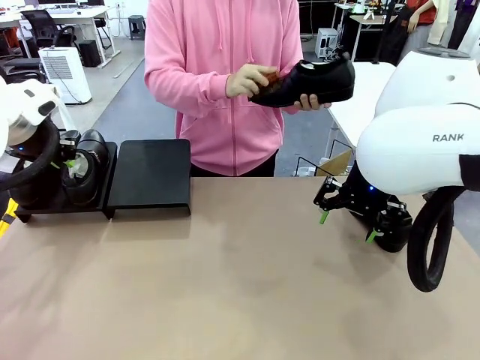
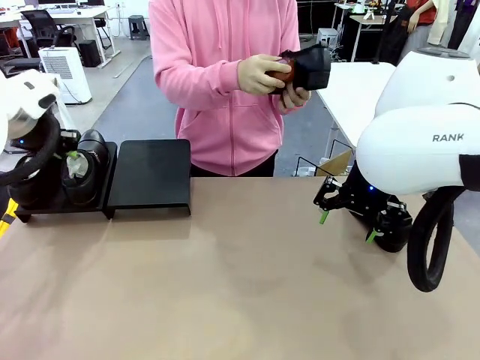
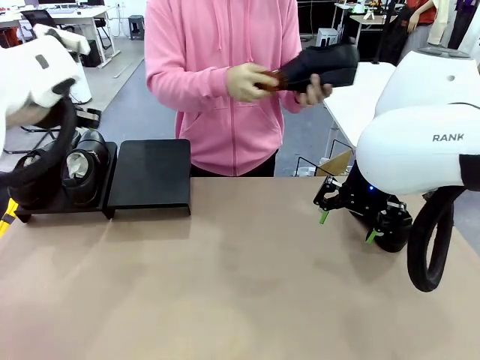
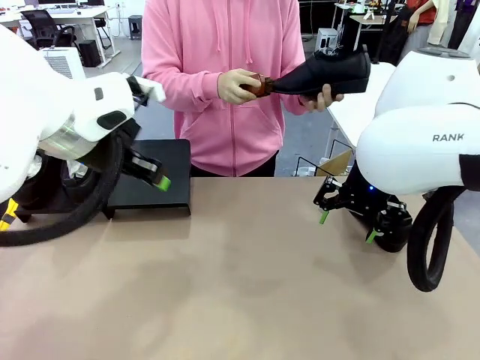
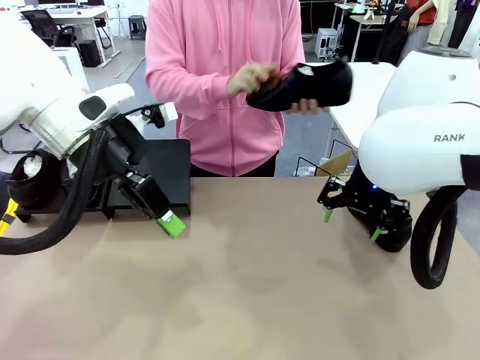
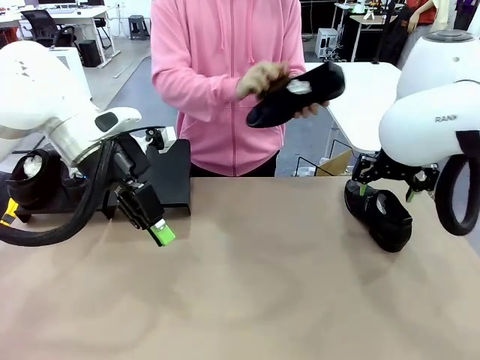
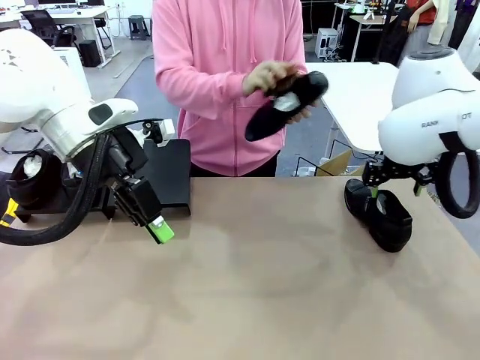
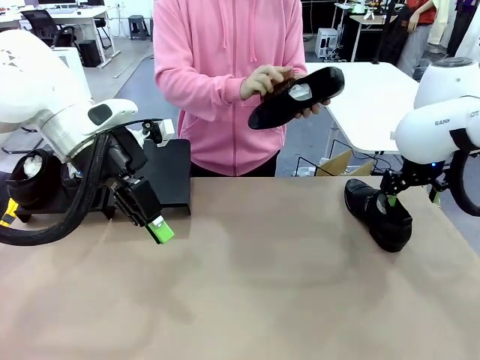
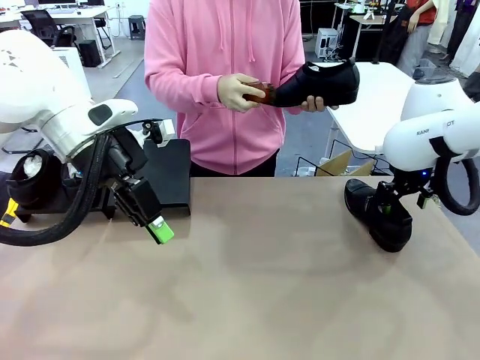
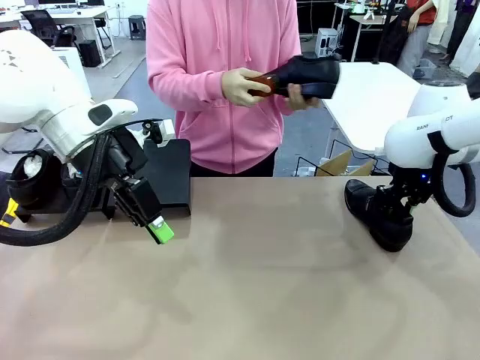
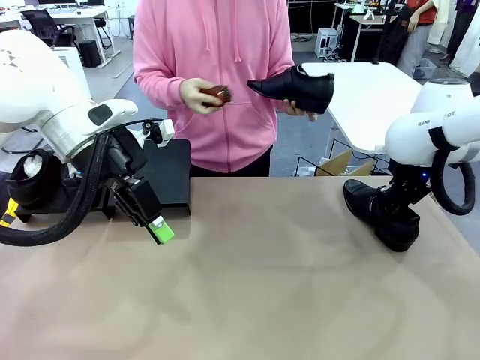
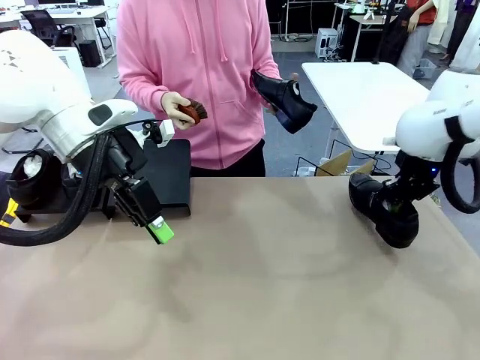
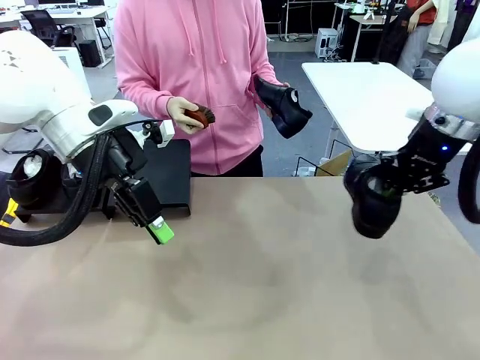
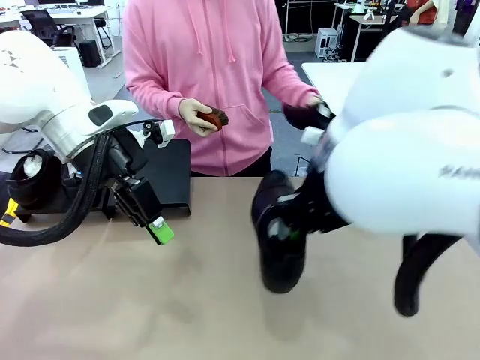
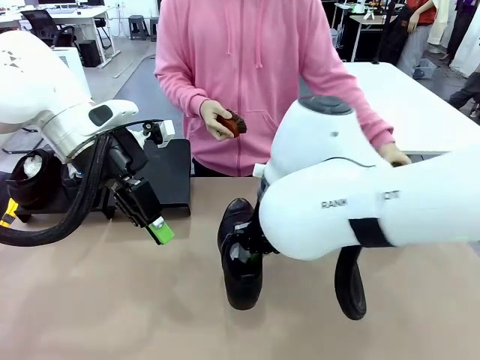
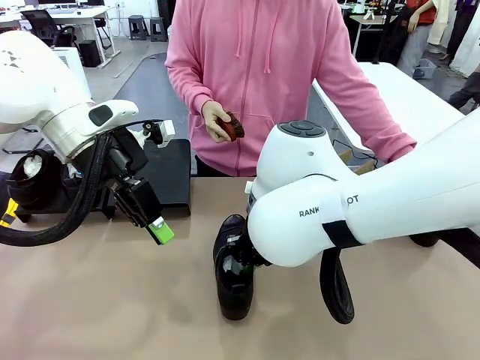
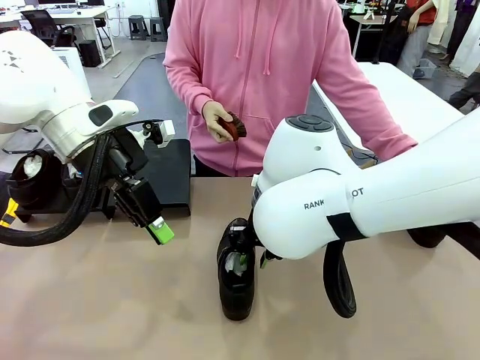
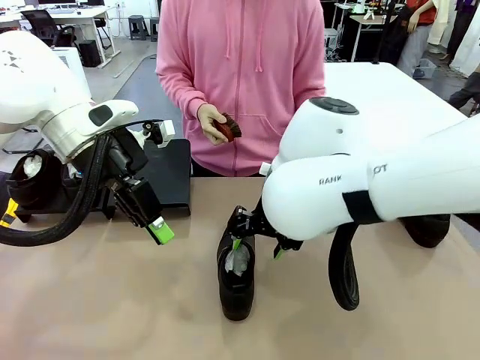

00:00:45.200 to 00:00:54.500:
Task: Organize the shoes by placing them on the stand.
Robot: Pick up one Shoe and place it in the middle of the table.

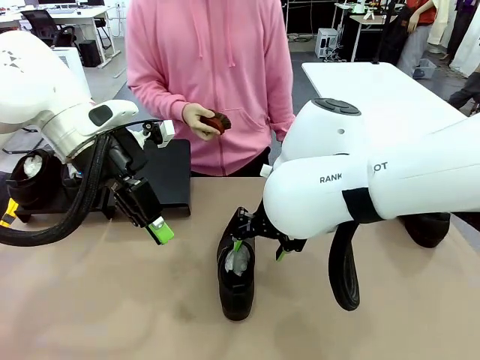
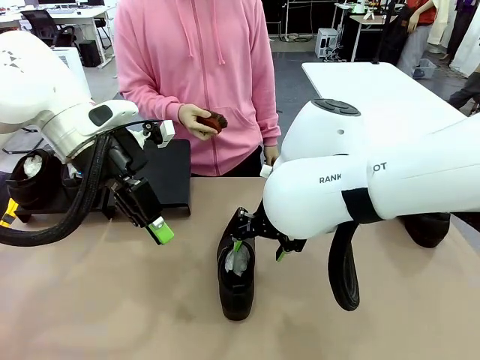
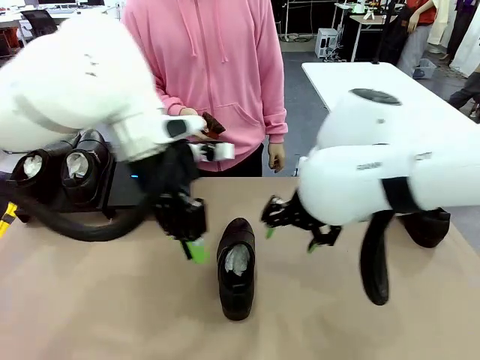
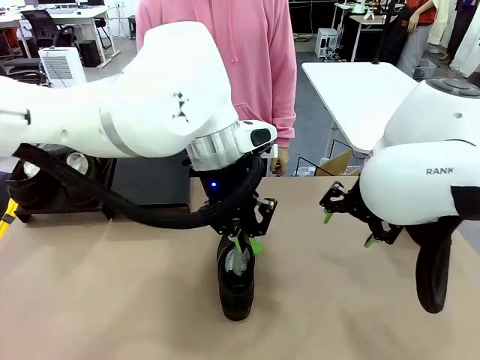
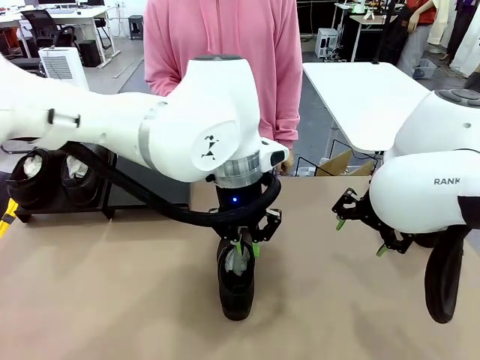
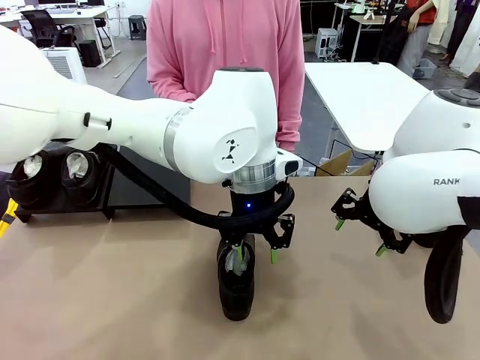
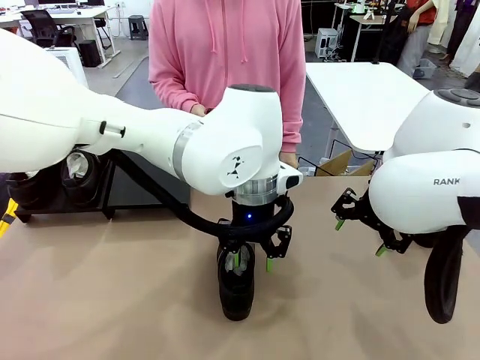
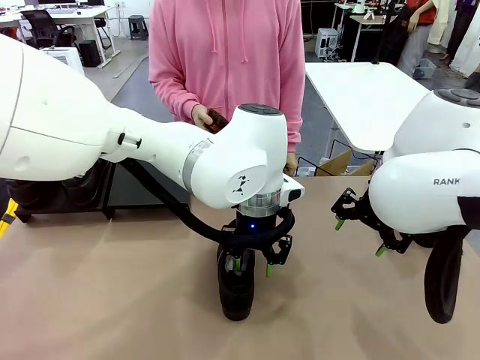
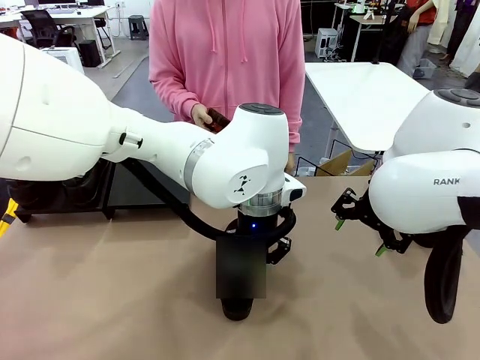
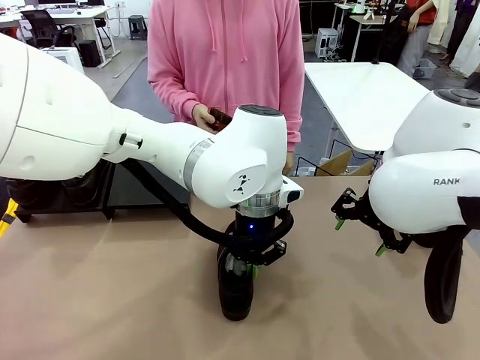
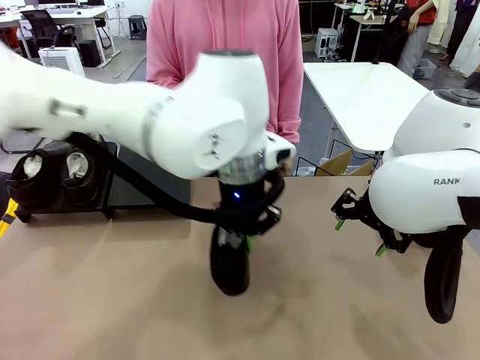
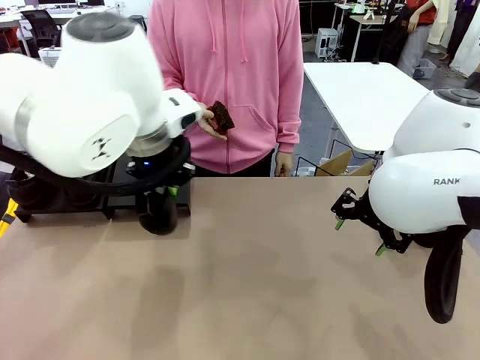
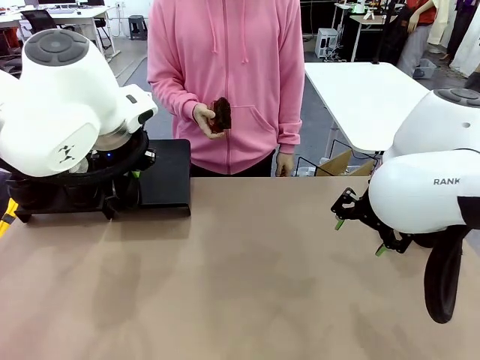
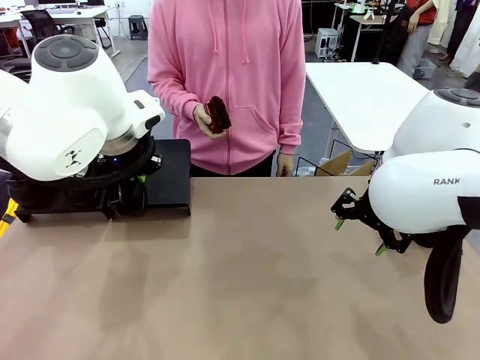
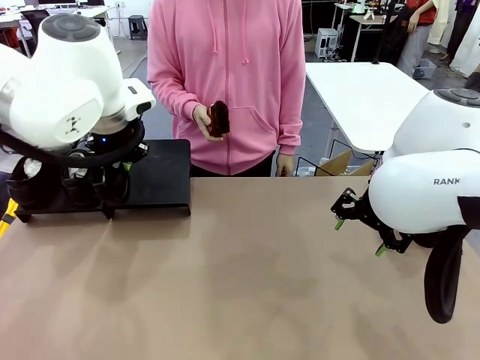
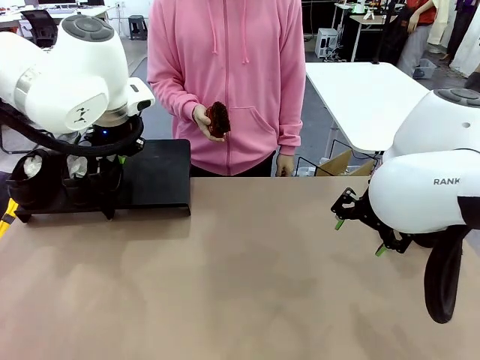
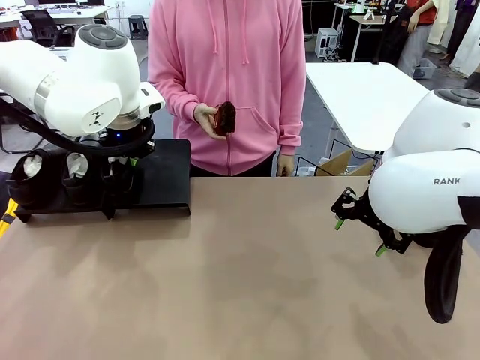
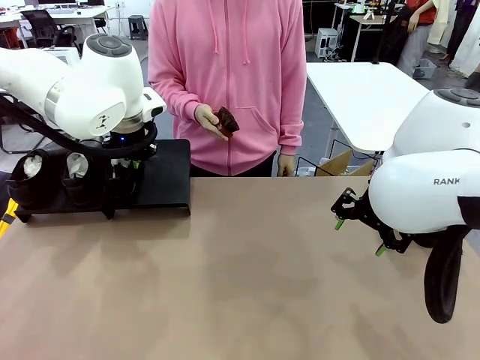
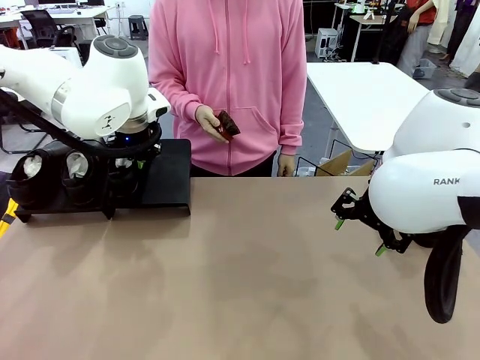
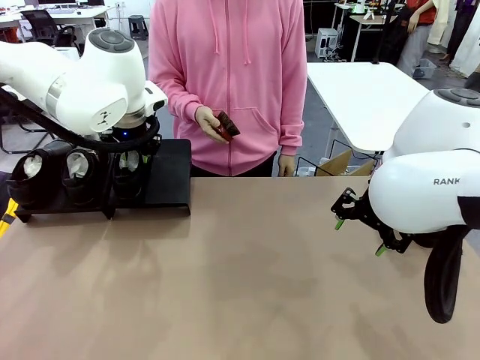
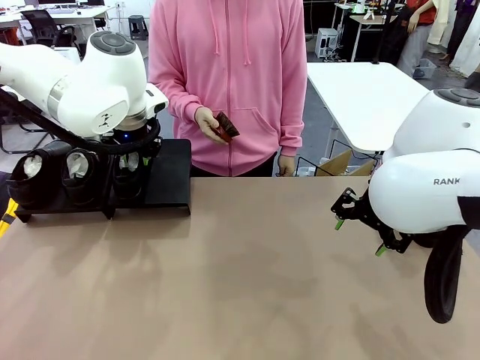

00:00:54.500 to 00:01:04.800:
Robot: Place the Shoe from the middle of the table onto the Shoes Stand.

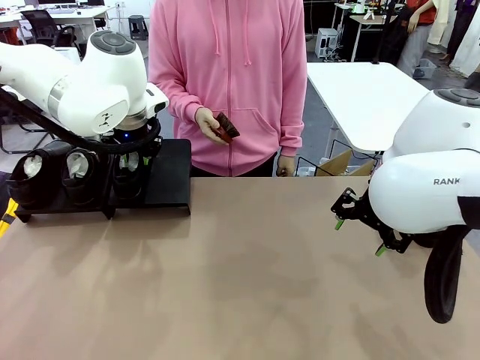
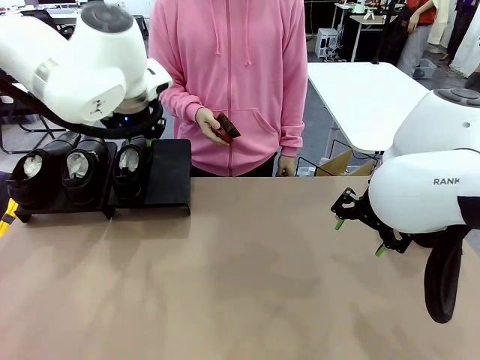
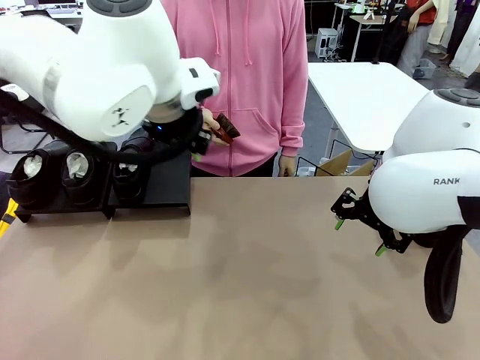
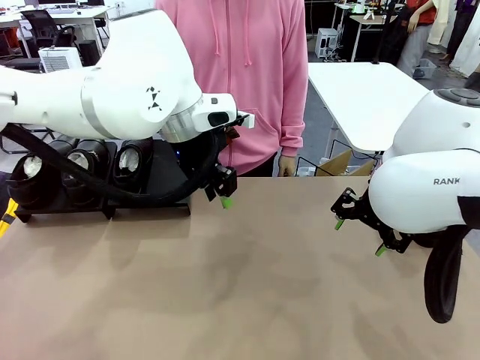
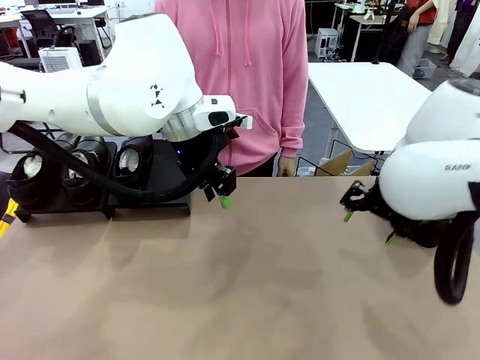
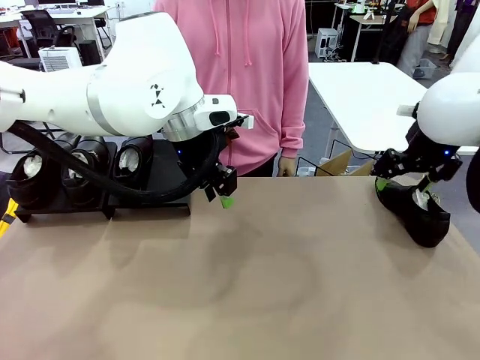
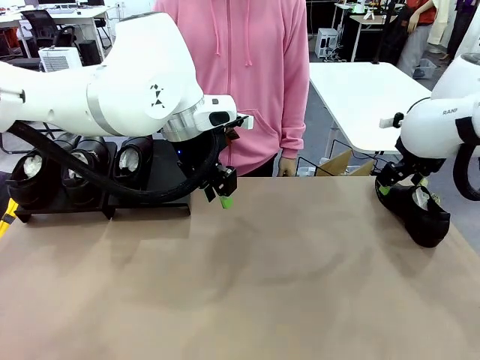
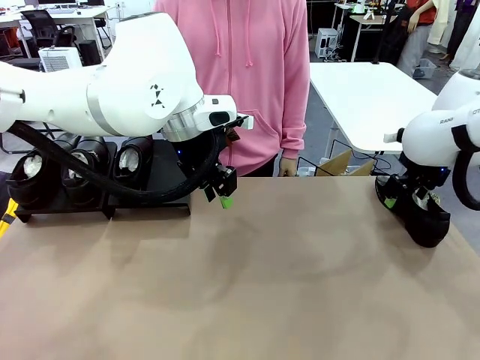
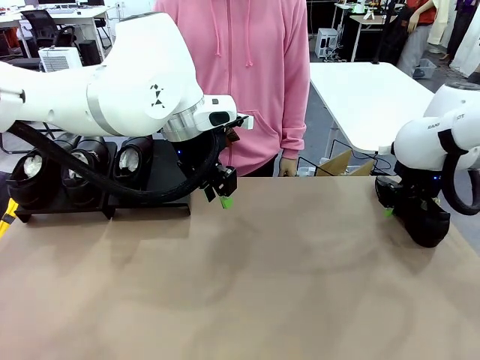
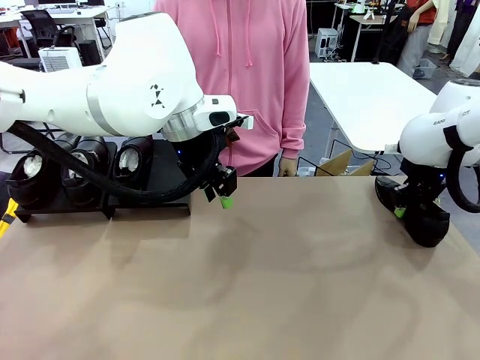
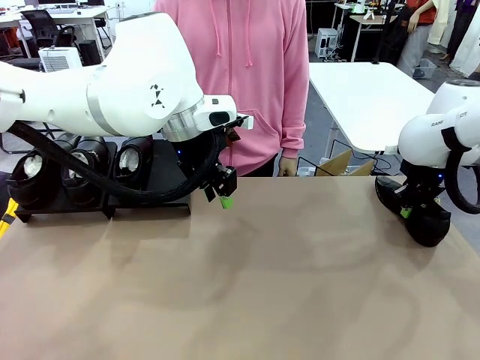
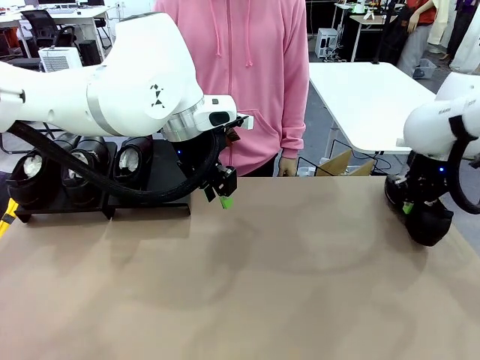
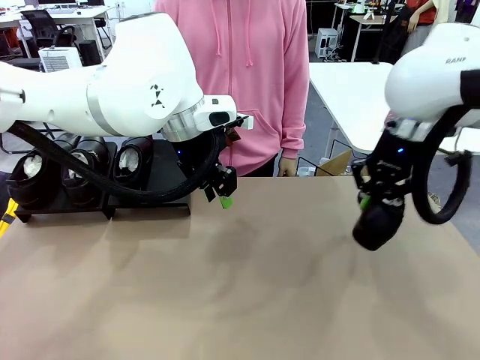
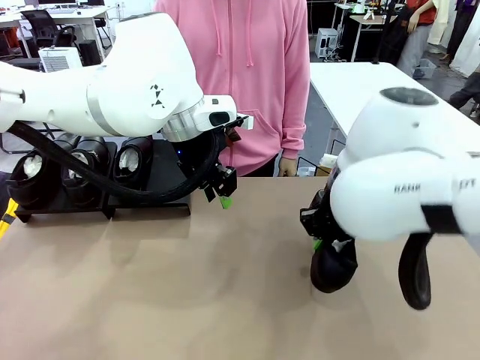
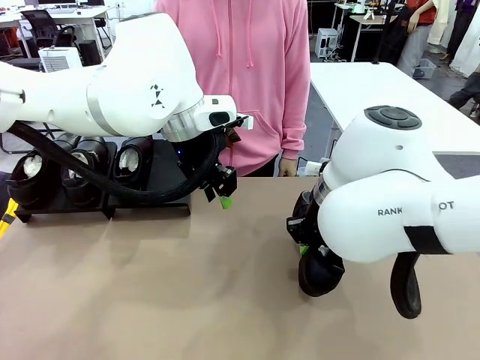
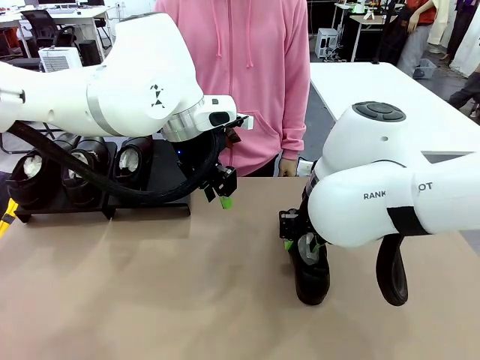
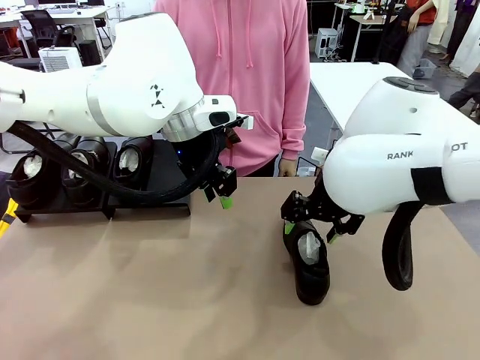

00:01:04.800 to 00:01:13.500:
Robot: Pick up one Shoe and place it in the middle of the table.
